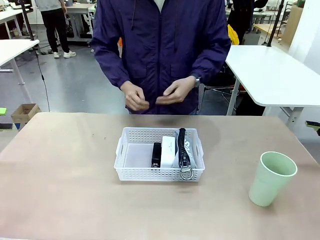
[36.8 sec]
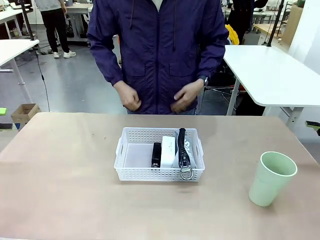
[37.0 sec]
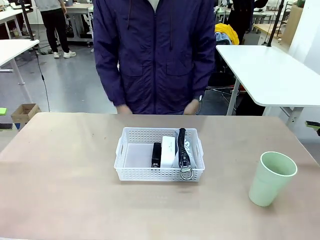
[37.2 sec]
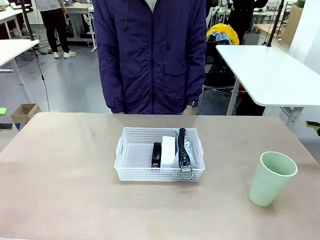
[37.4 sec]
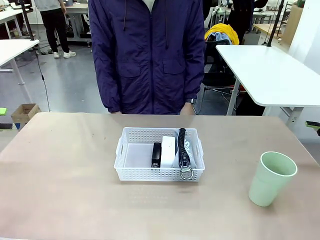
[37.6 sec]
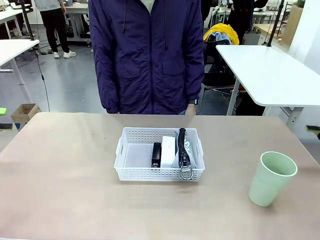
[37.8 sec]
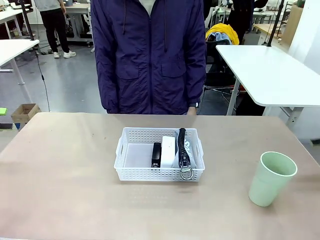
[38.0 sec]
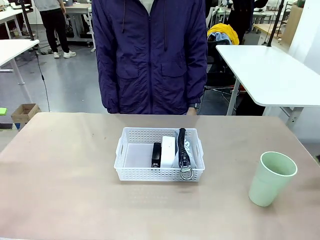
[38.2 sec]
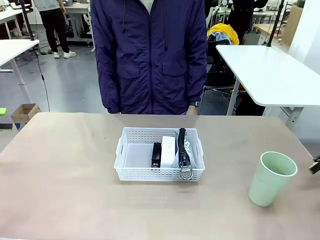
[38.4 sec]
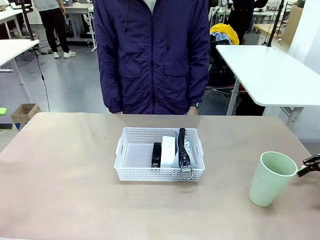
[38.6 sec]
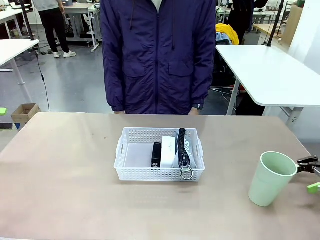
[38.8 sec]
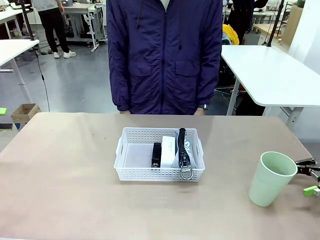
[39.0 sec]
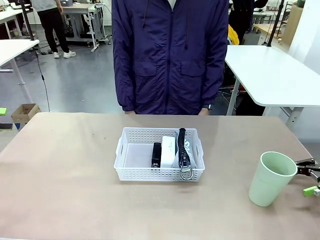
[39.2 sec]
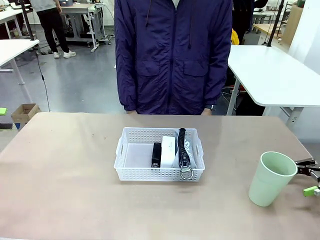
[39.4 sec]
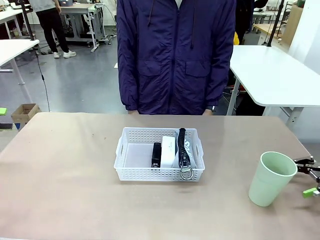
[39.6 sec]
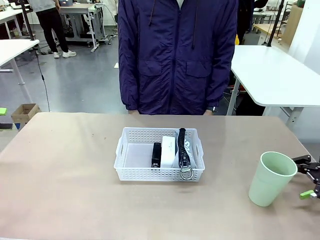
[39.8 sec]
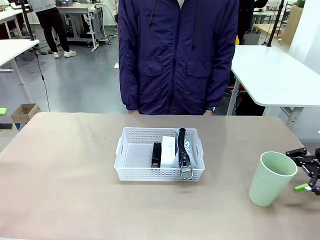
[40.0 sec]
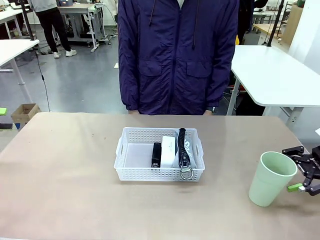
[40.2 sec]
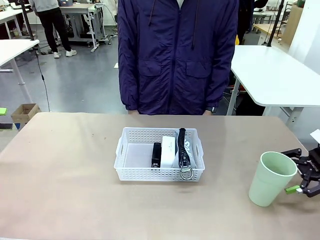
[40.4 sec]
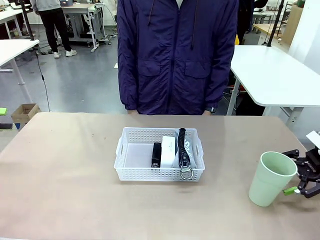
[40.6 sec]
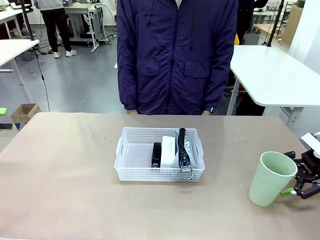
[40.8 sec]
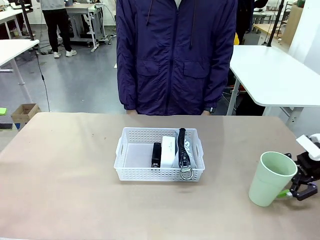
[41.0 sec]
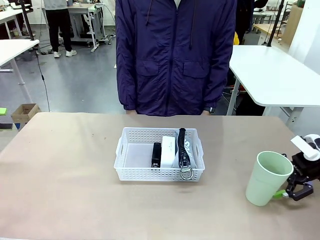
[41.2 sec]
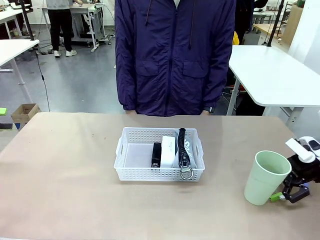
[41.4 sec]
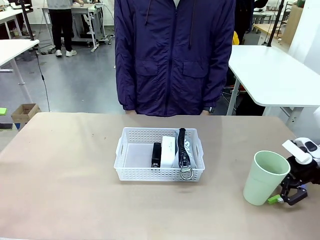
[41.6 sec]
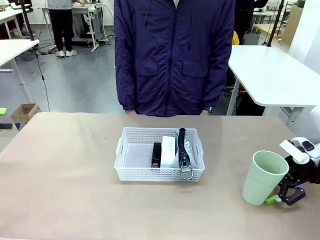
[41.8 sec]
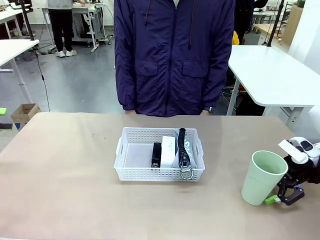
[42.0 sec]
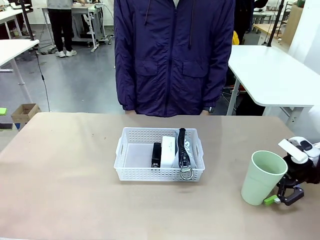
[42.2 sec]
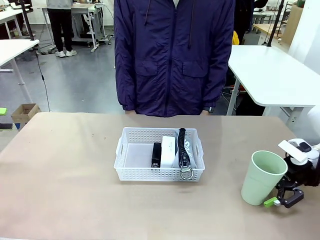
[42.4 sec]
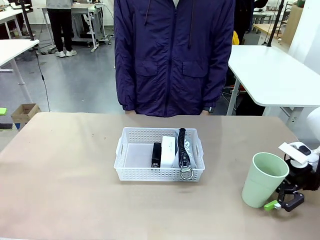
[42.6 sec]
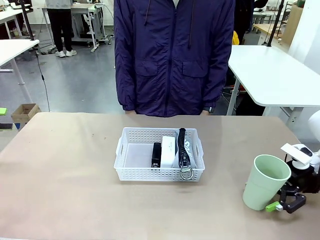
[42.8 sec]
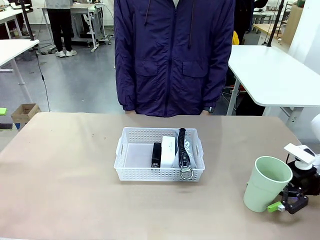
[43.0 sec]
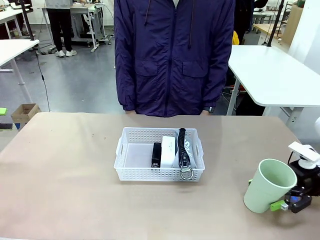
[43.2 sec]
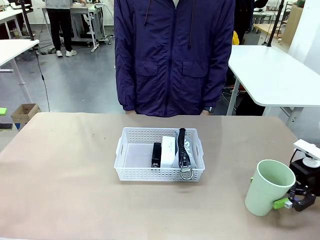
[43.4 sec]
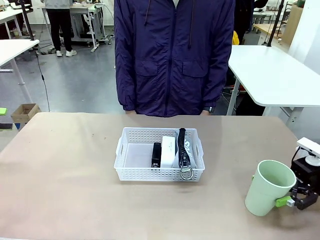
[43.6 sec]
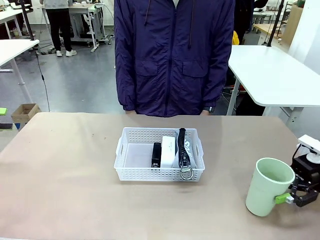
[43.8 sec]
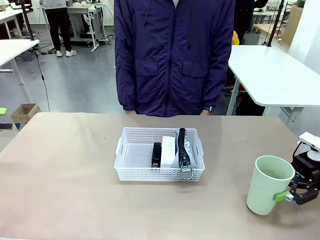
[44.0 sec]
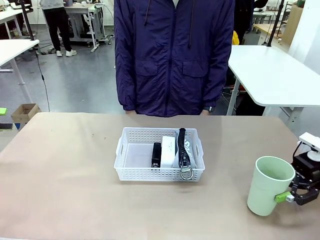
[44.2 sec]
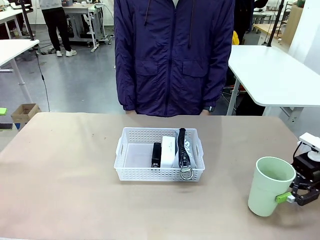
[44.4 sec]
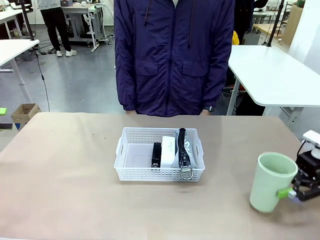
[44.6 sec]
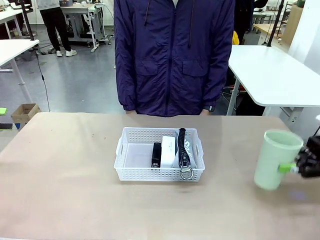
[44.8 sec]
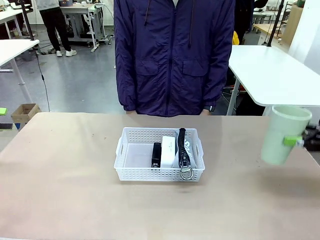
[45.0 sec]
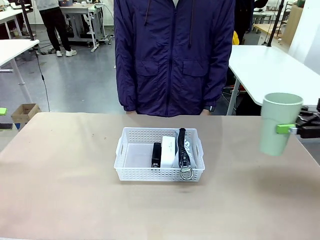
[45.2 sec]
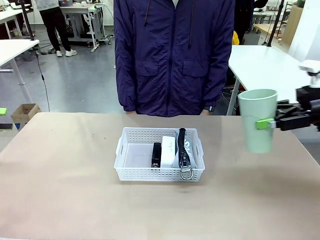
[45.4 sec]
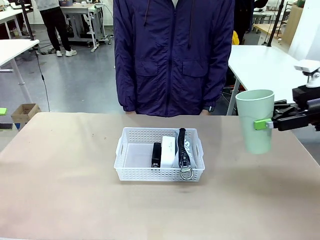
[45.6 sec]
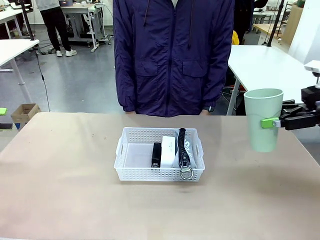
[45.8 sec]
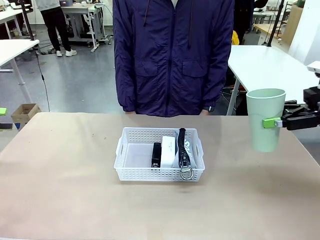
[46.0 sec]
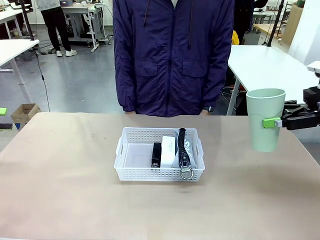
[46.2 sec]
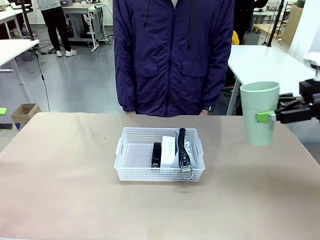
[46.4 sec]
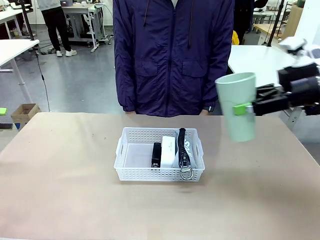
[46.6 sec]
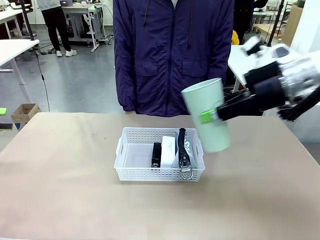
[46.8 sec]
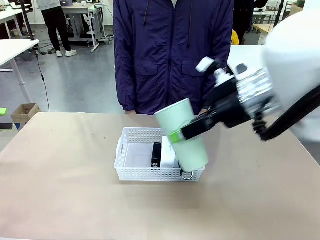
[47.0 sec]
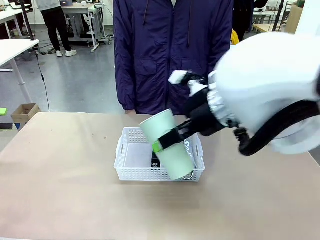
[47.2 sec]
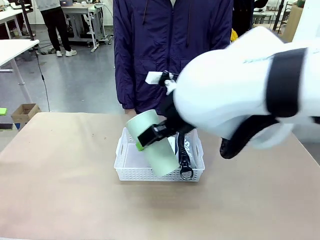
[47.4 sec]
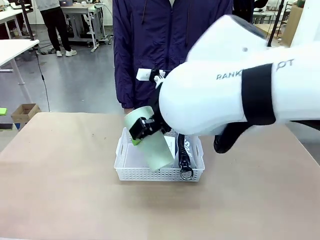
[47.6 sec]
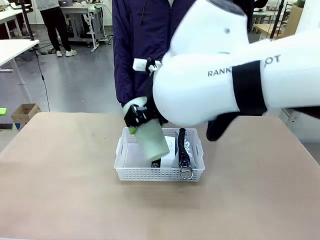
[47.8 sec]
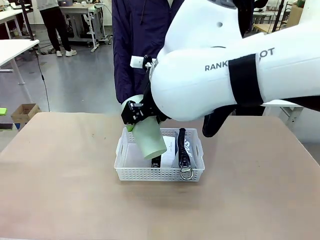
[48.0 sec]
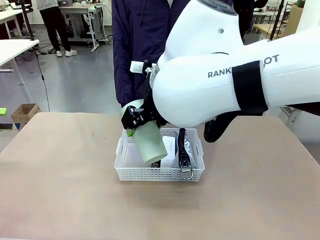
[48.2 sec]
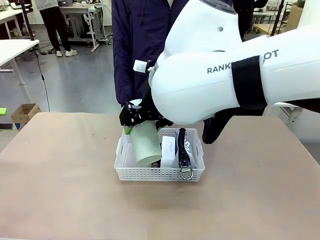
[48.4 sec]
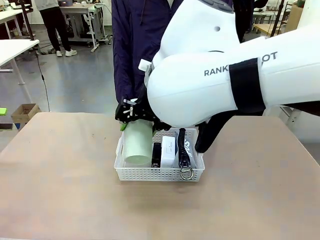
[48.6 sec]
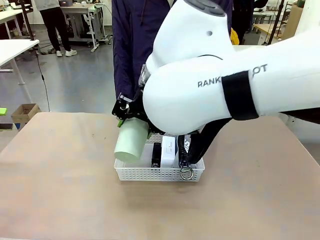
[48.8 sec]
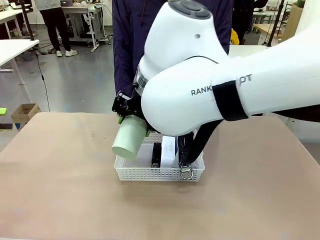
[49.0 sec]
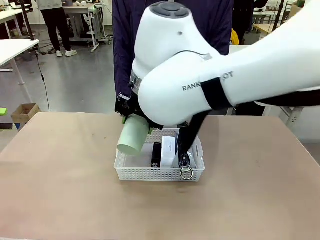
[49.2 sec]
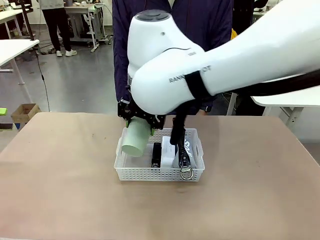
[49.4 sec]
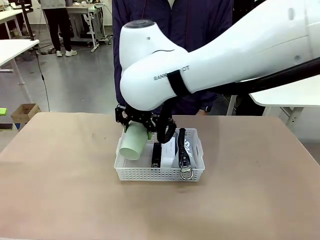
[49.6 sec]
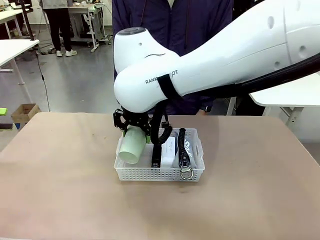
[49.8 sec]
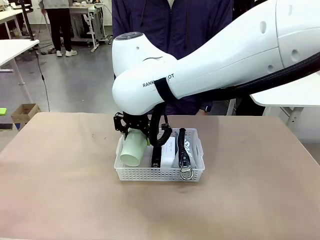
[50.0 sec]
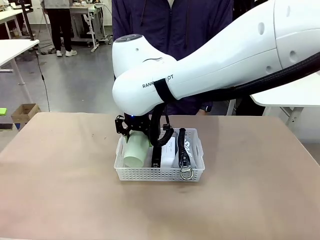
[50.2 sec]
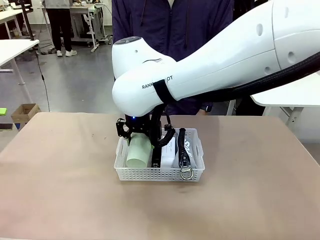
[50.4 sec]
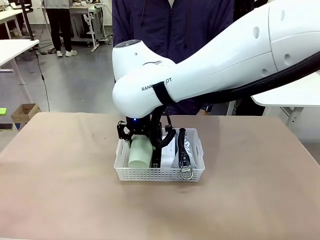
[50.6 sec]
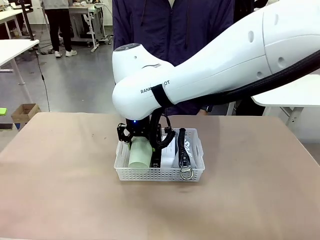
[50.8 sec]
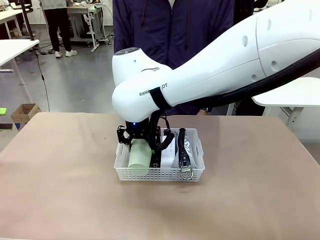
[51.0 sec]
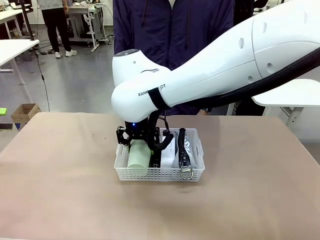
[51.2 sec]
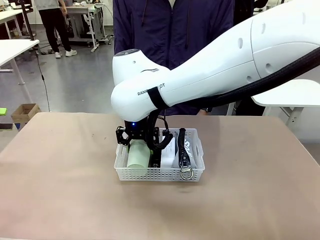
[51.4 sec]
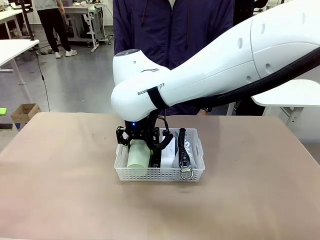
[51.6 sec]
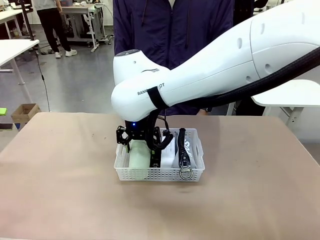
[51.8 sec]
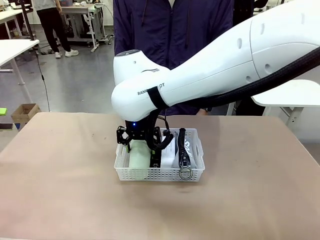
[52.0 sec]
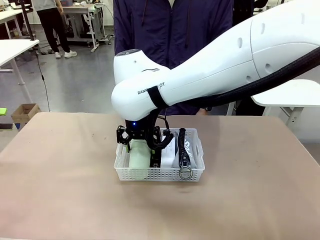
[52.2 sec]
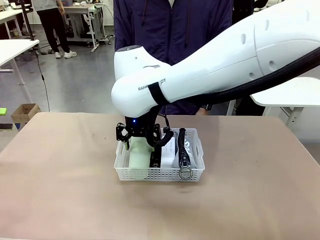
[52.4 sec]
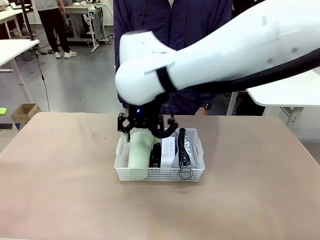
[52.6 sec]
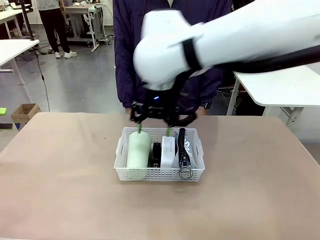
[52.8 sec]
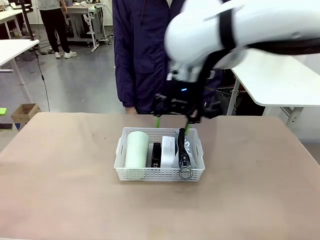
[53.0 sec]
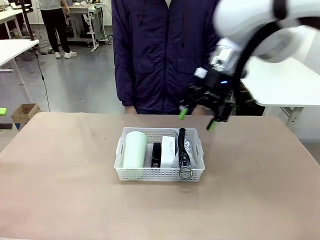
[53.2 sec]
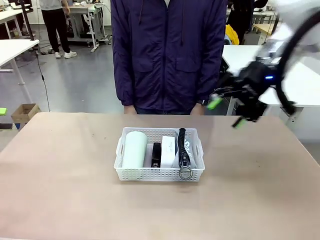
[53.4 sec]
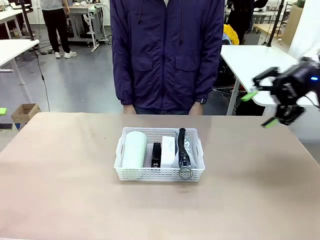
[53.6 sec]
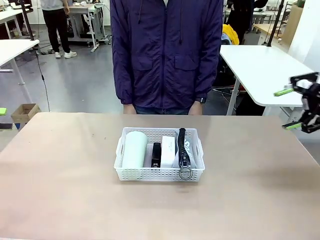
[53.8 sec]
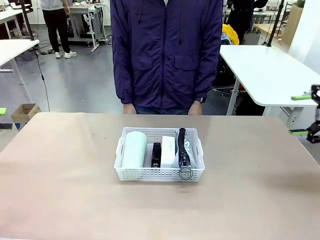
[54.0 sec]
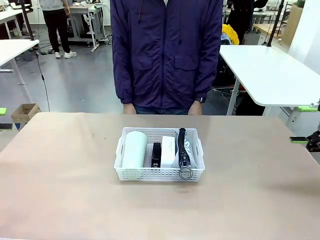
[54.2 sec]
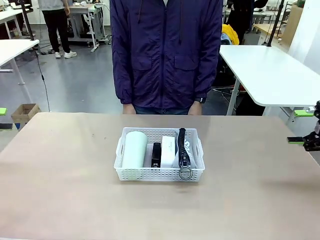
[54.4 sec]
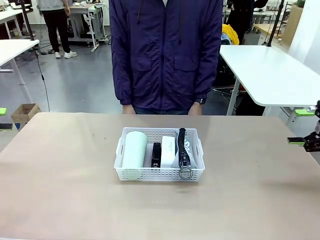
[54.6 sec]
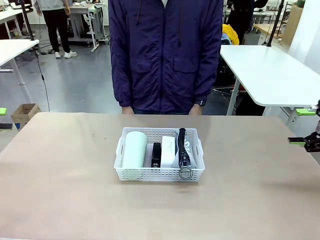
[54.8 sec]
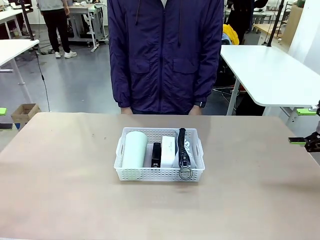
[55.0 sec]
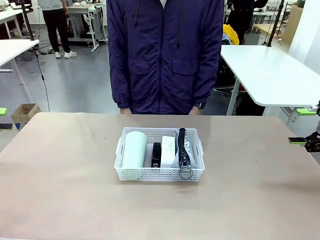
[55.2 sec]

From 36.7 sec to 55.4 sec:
Task: Efficiently arrange items inside the basket to fit them all.
Robot: Pick up the Reusable plastic cup and place it inside the Organizing basket.
Person: Repositions the stapler.
